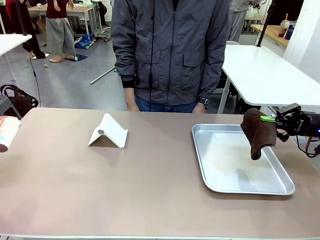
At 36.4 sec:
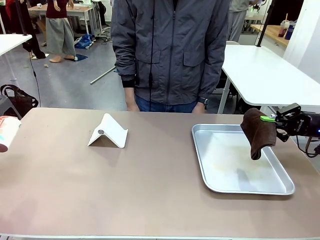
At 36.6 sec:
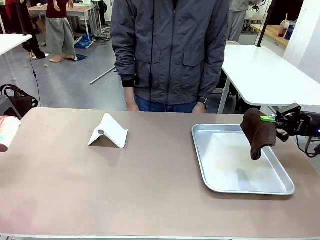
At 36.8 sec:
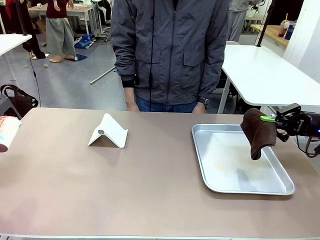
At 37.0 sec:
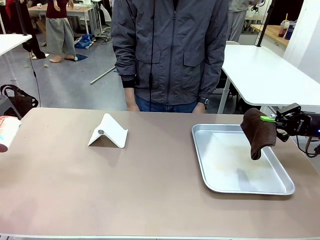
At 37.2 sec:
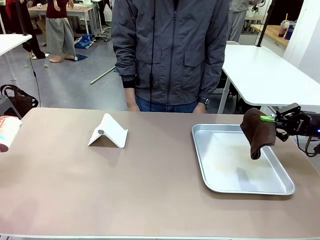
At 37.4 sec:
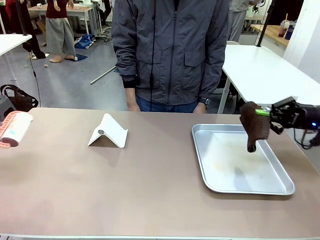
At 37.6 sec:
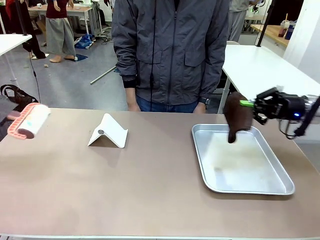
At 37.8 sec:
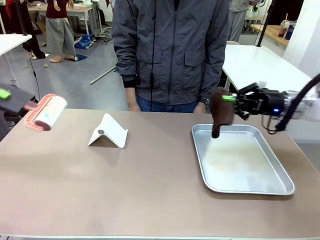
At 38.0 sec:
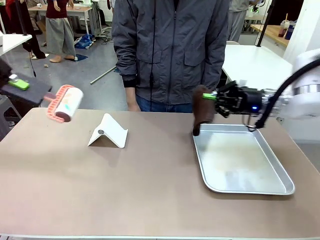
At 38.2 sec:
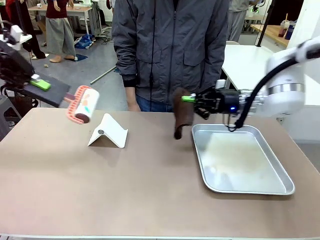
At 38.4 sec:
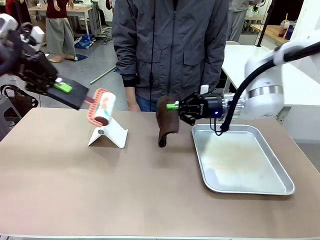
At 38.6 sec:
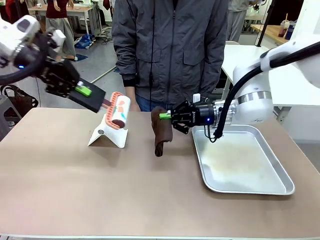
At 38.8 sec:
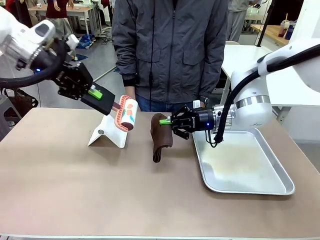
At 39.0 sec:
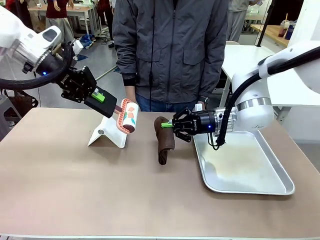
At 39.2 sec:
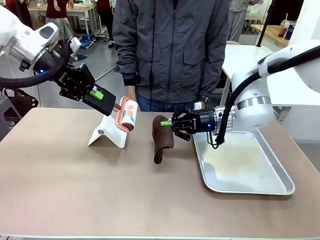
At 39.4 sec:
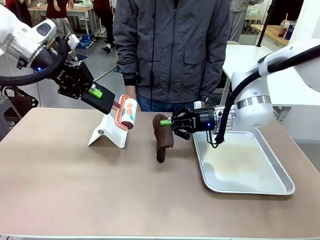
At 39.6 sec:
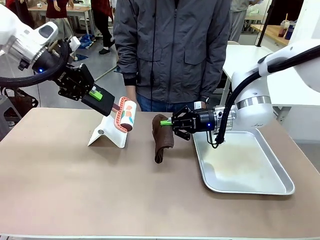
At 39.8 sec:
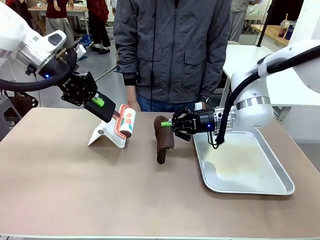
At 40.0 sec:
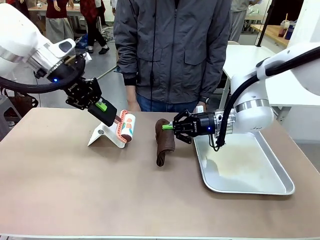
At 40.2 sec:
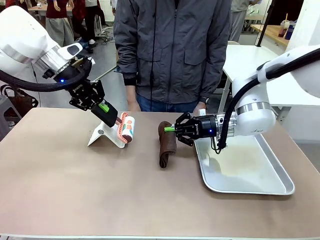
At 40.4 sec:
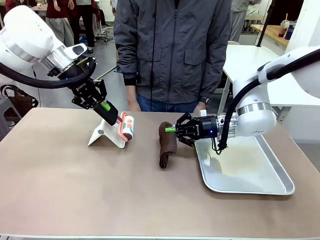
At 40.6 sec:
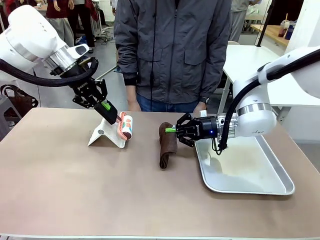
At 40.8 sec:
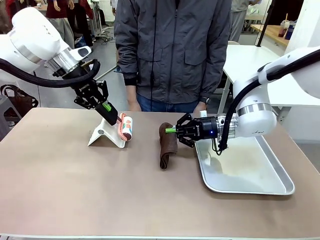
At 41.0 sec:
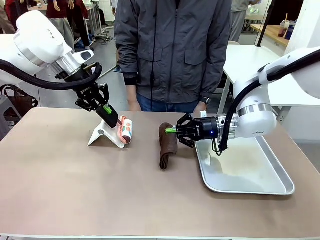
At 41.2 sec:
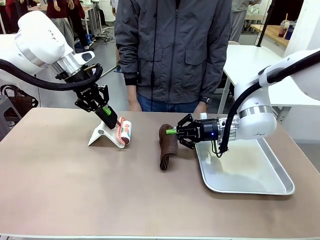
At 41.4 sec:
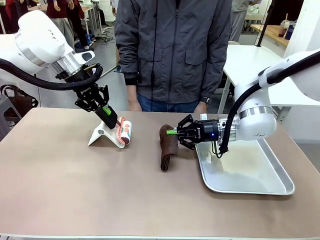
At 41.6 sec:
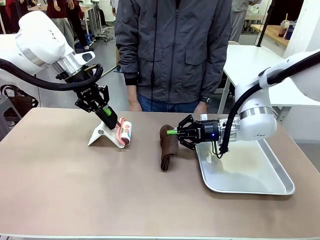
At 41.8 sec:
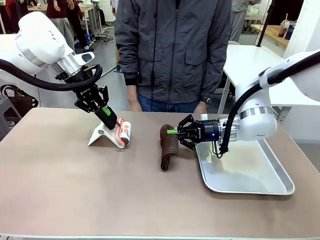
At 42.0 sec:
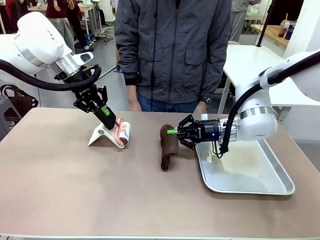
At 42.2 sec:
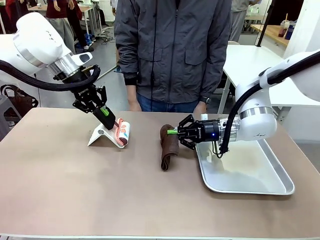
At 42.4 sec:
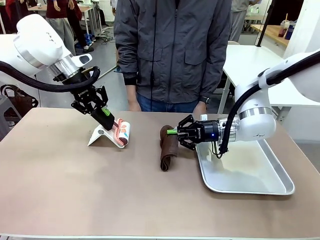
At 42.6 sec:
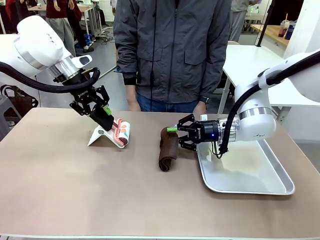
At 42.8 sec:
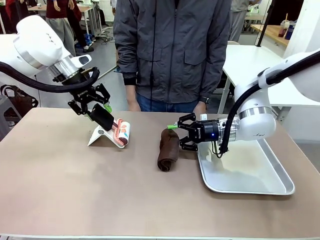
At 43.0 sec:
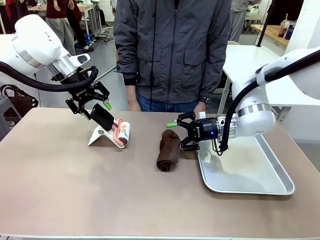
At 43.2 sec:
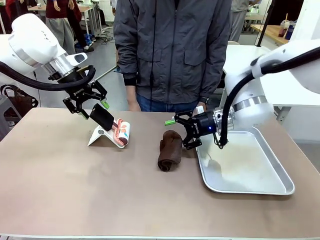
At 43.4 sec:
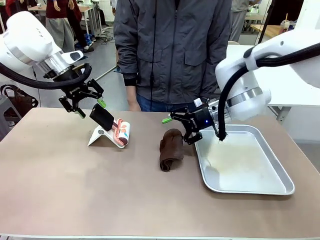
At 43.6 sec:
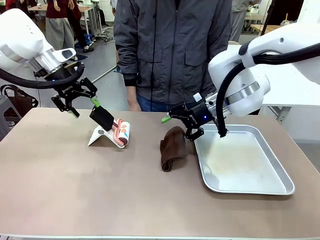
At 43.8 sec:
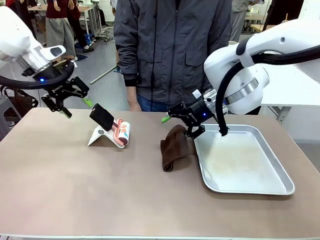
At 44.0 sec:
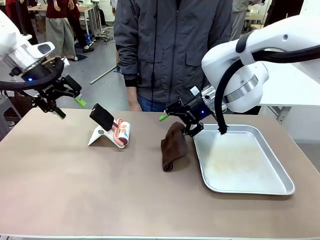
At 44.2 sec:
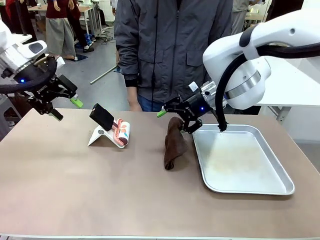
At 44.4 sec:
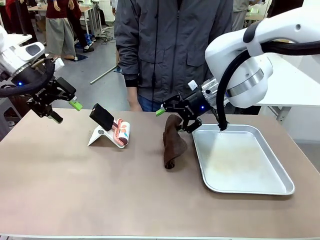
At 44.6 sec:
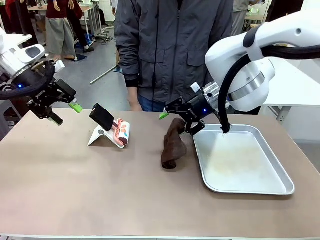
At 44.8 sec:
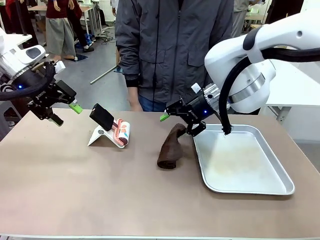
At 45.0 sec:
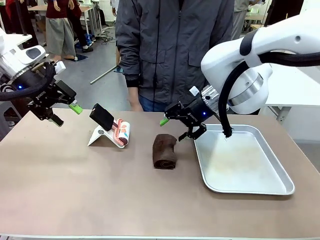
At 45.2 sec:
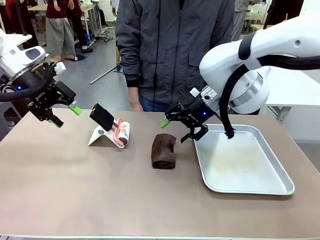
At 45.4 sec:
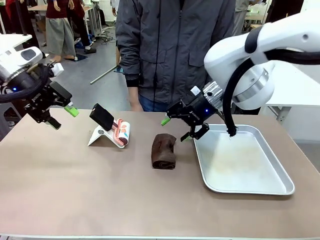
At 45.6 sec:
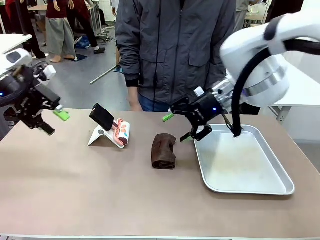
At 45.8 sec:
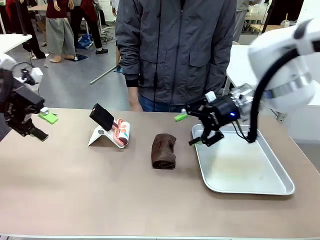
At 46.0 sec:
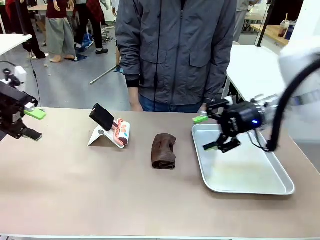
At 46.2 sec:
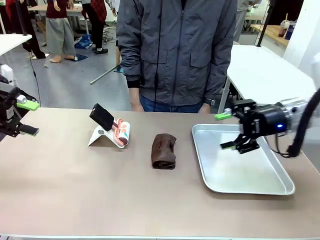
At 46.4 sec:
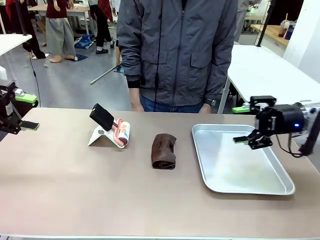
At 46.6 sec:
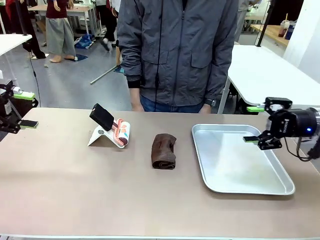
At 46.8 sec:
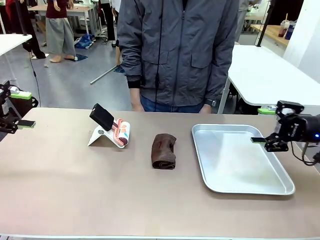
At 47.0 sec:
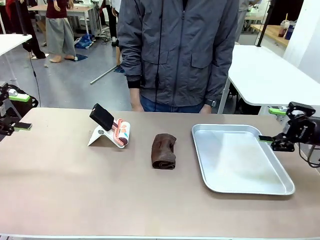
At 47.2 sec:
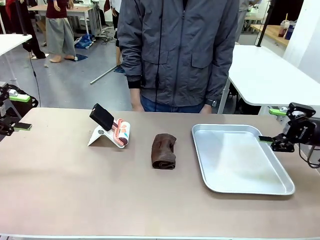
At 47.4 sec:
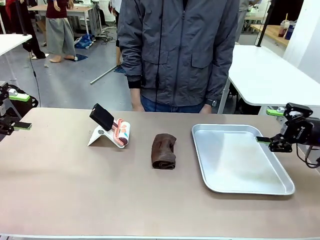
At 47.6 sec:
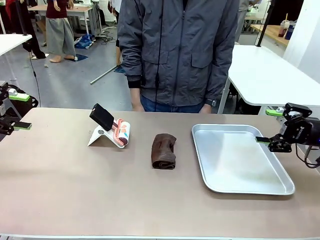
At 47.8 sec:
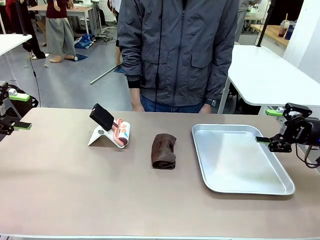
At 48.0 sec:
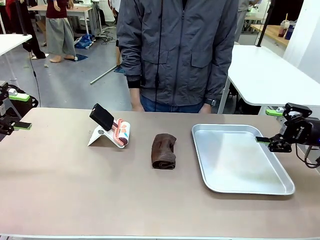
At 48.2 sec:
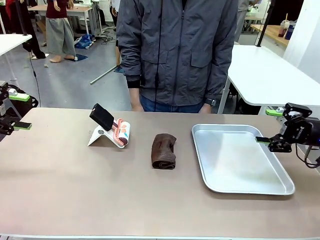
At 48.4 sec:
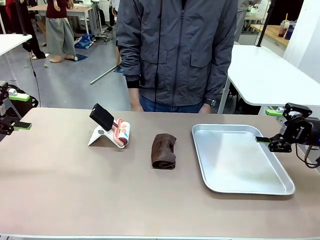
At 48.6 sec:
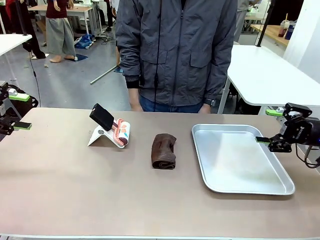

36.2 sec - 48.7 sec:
Task: Clean the surface of the table.
Robot: Return the Lint Roller and towel to their original positions.
